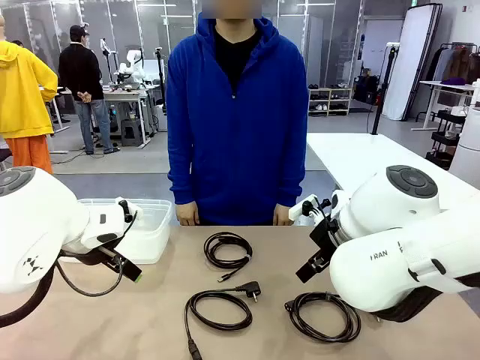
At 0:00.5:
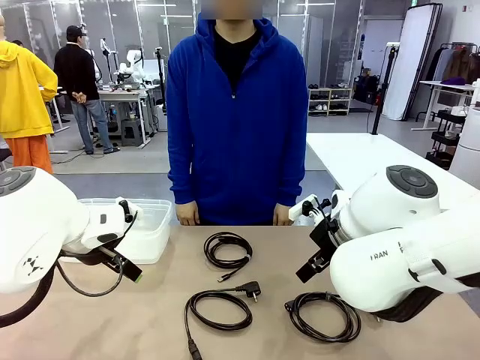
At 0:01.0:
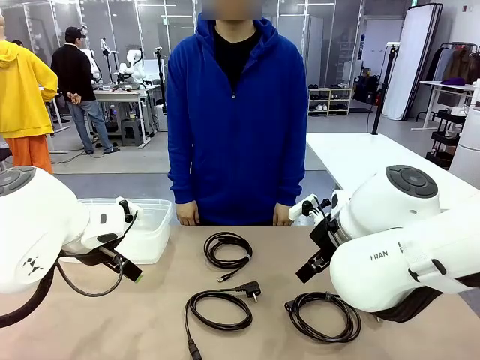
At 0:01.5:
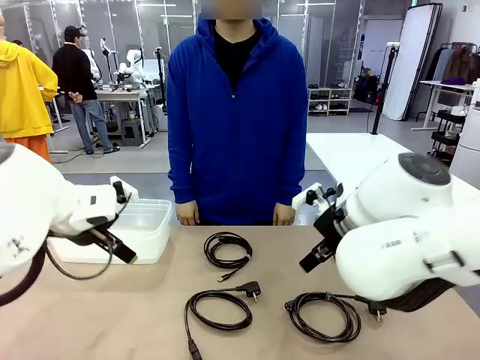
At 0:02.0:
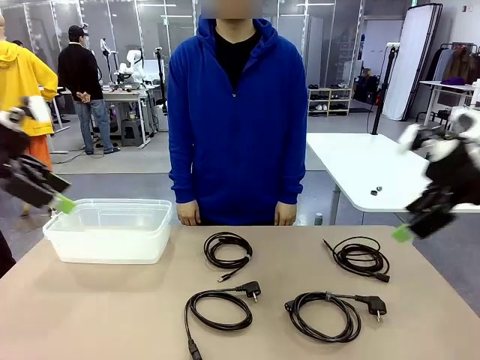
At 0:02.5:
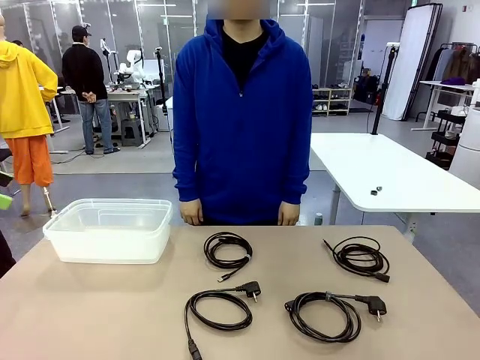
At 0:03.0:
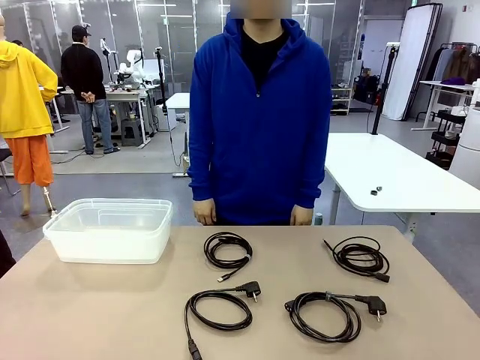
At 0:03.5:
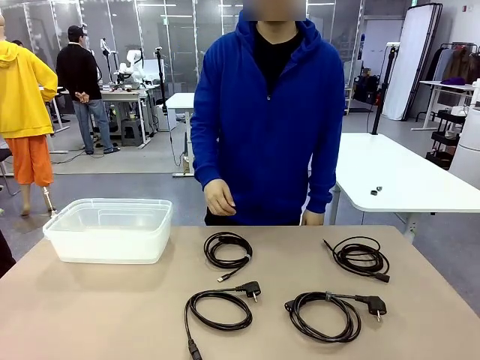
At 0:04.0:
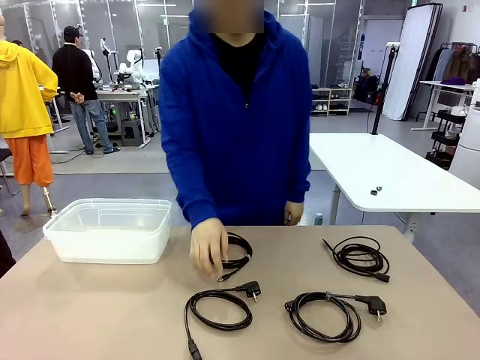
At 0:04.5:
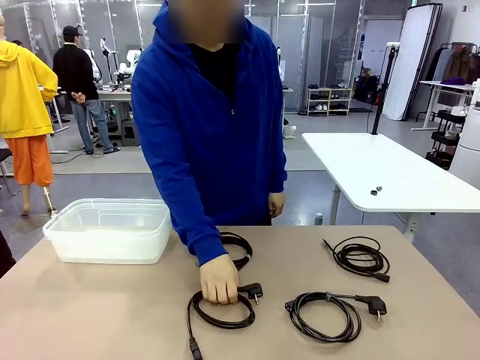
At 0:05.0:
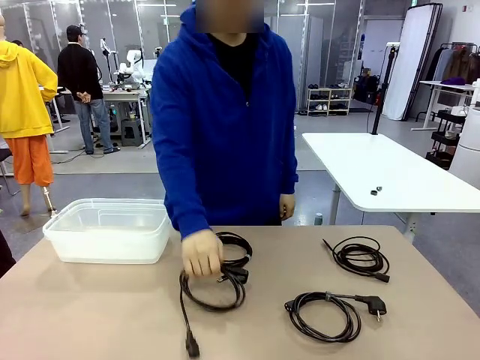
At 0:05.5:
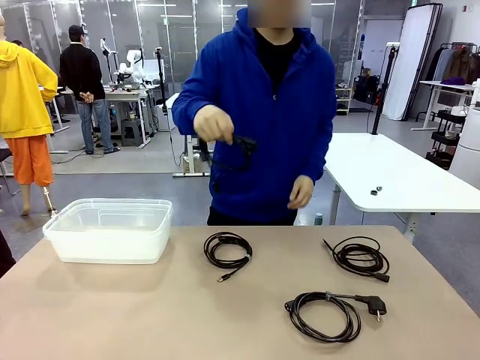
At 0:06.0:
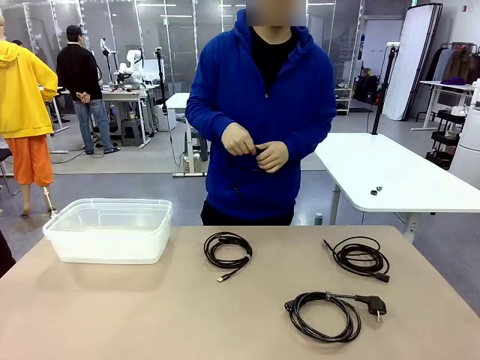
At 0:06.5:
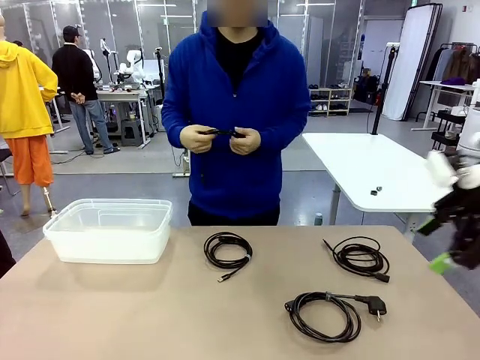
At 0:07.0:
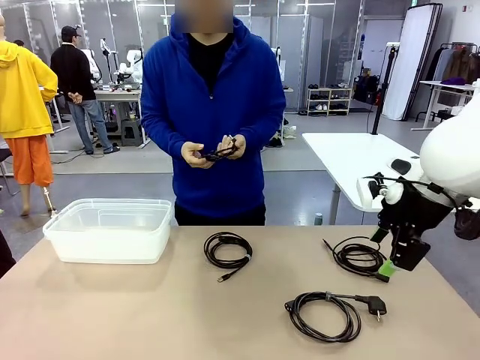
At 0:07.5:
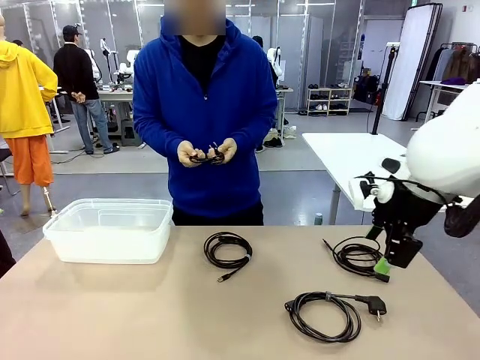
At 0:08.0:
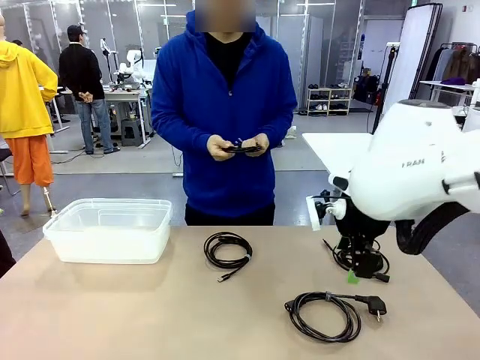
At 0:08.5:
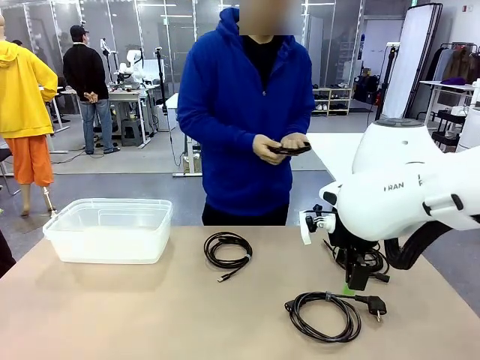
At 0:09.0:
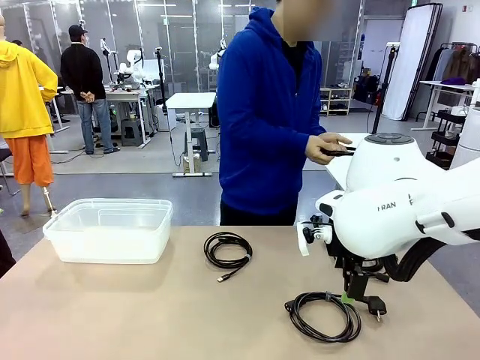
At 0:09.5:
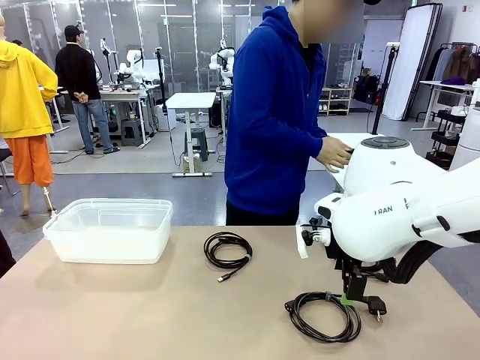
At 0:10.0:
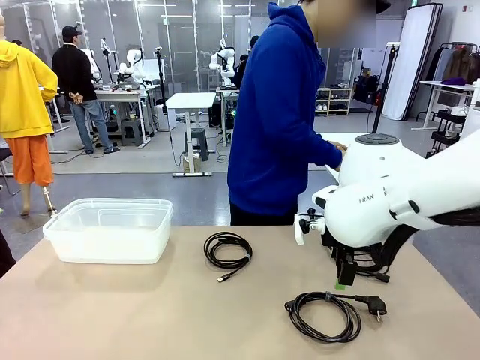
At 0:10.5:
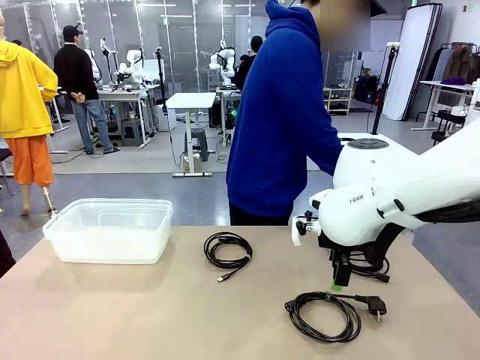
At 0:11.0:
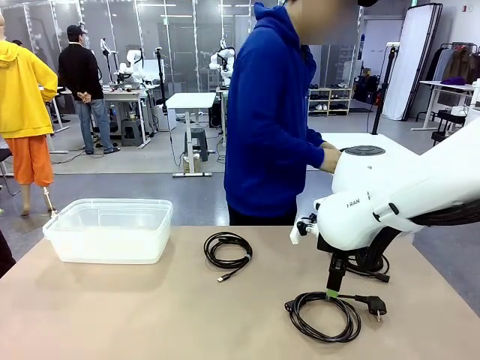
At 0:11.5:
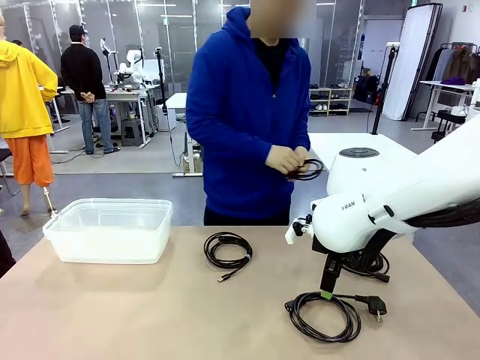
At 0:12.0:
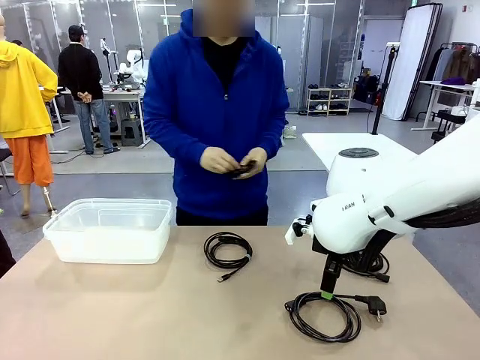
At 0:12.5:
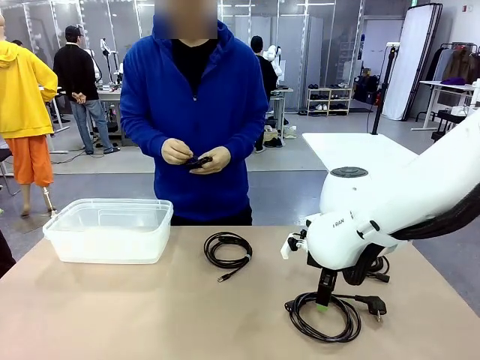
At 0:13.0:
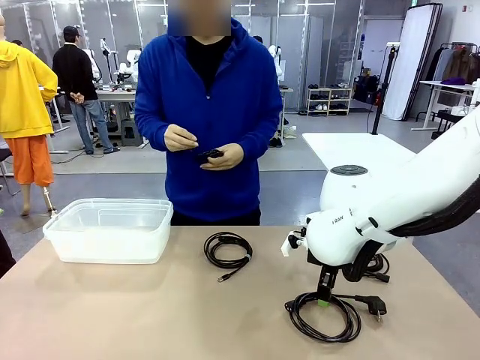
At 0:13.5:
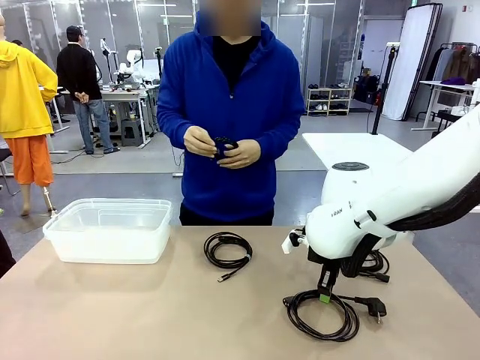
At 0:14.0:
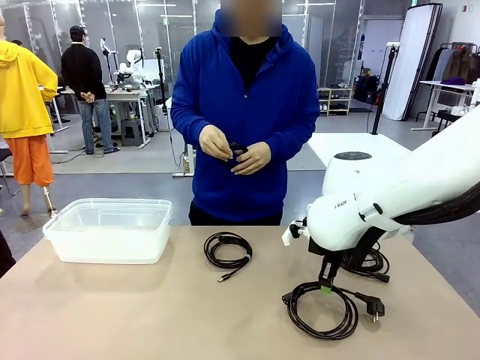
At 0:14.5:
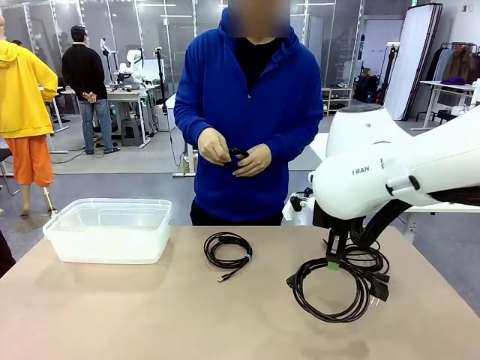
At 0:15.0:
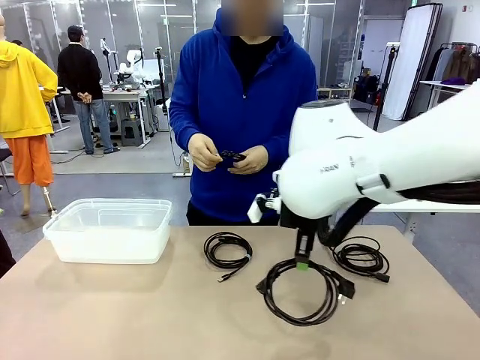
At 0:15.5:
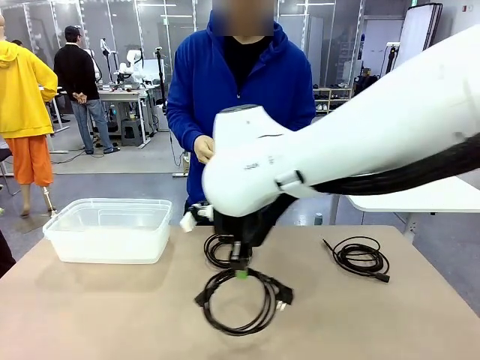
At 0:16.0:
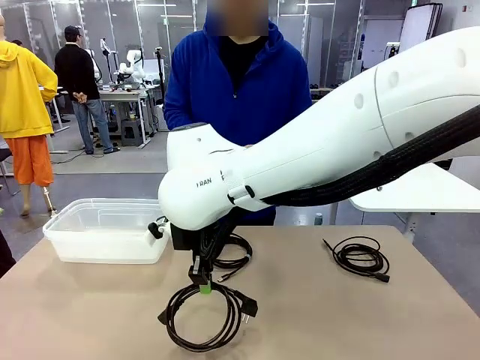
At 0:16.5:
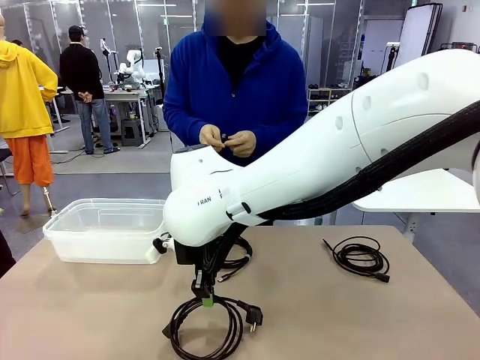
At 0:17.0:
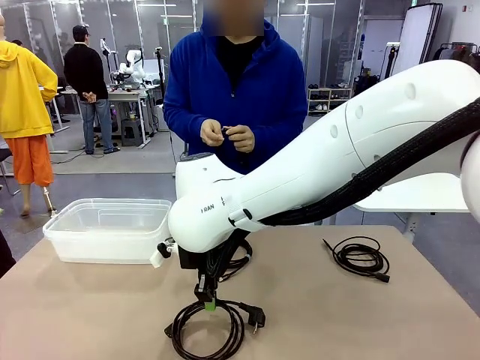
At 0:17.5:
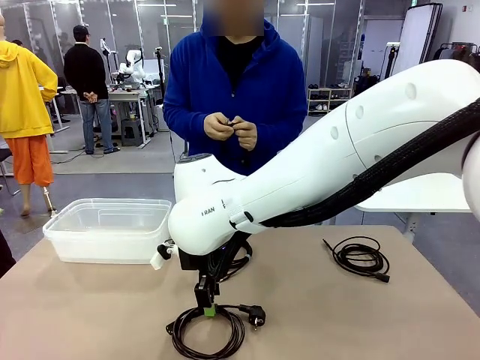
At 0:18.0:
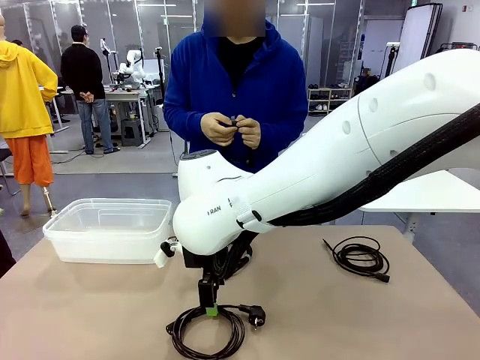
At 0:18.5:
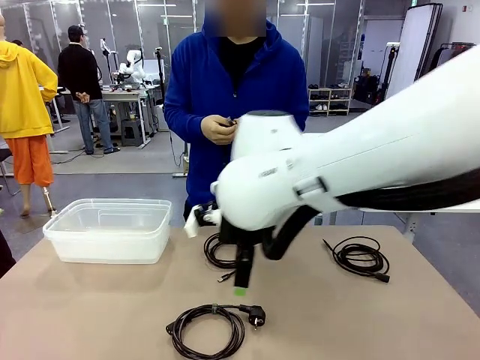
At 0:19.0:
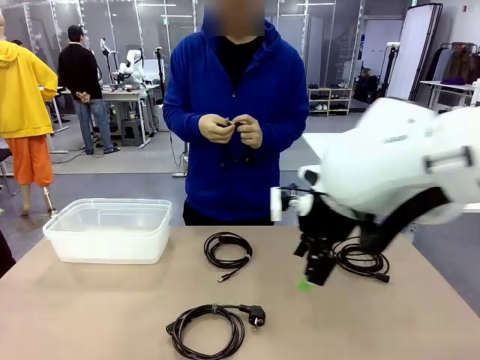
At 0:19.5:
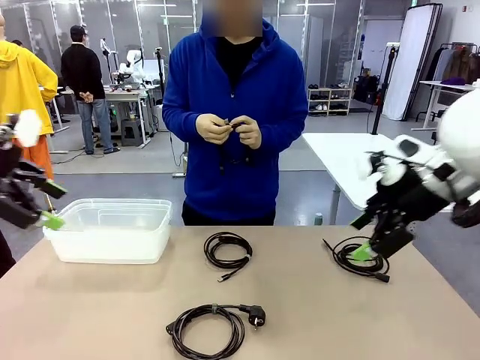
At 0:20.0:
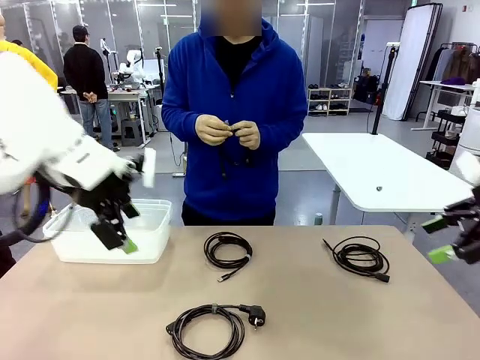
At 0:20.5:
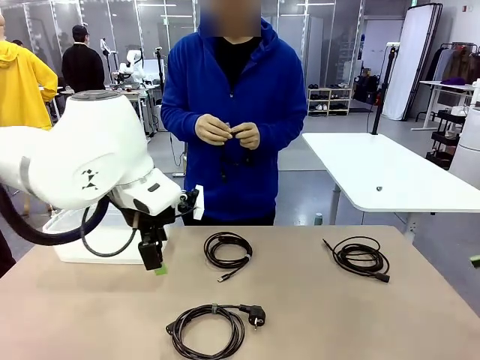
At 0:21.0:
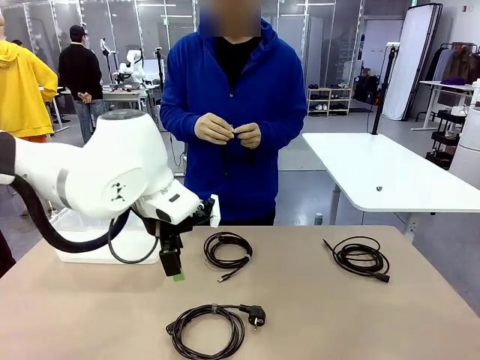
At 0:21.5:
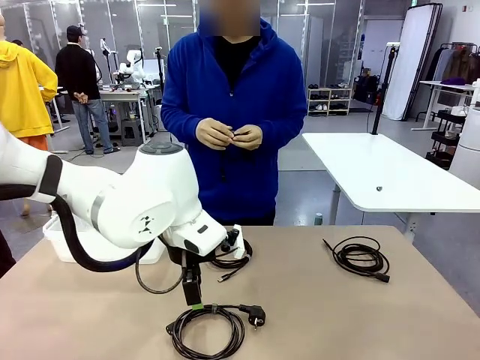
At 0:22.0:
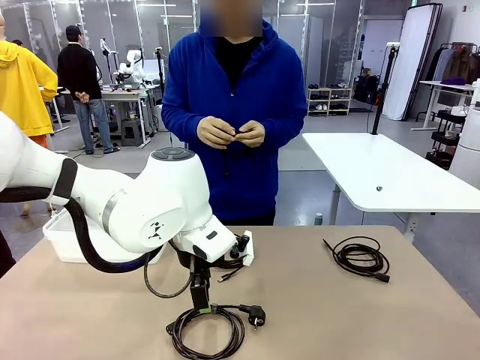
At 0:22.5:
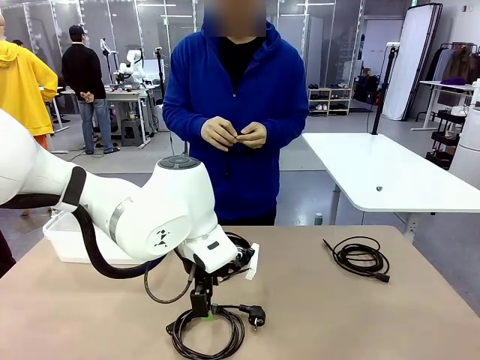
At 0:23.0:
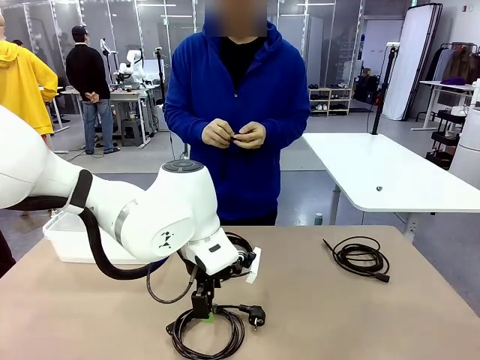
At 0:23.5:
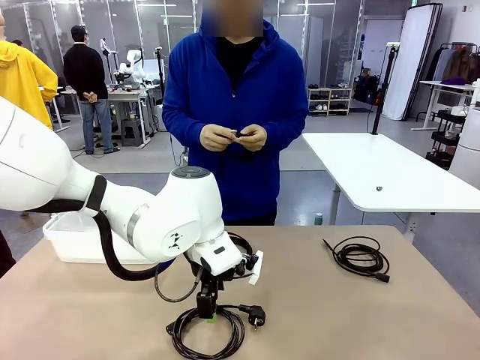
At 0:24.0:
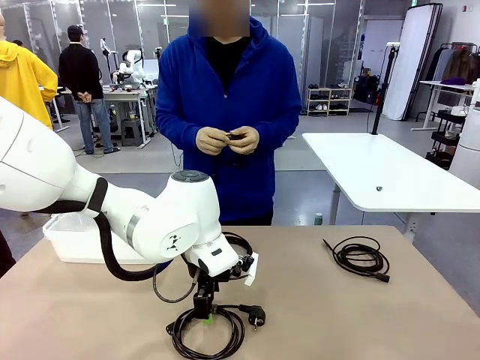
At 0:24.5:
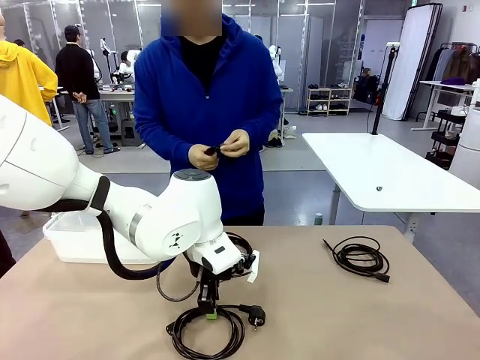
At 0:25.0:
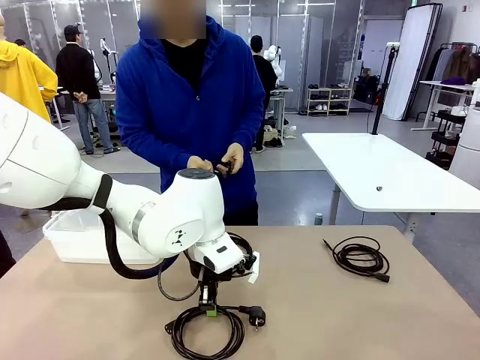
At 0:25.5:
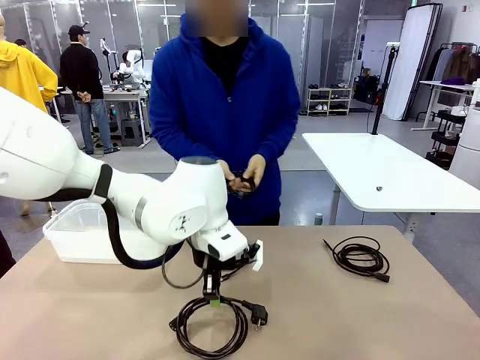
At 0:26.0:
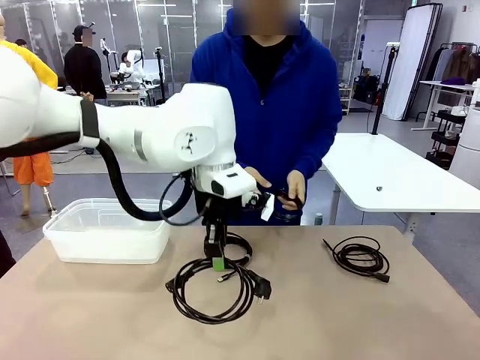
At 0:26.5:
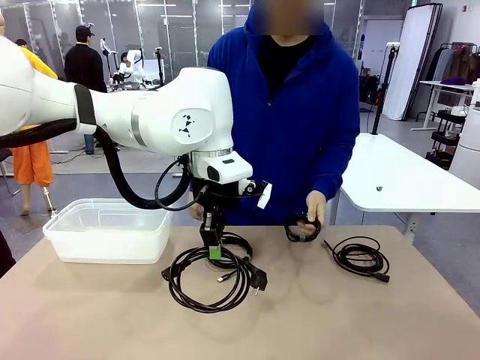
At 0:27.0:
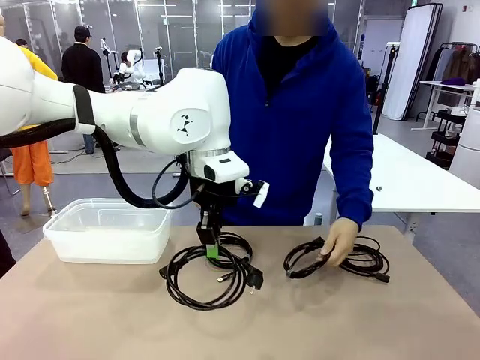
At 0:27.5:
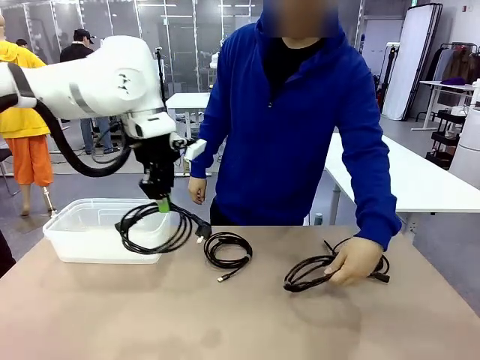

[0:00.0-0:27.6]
Task: Organize and store the cables.
Robot: Place the Power Cable into the Organizing box.
Person: Tie one Power Cable with a Reusable Cable Tie.
